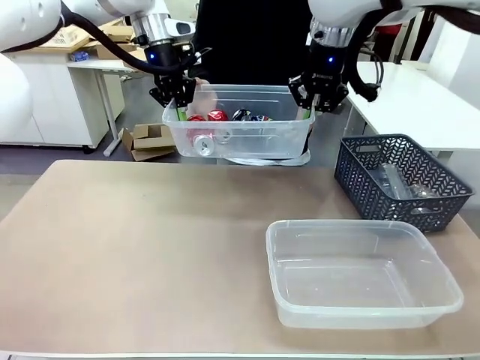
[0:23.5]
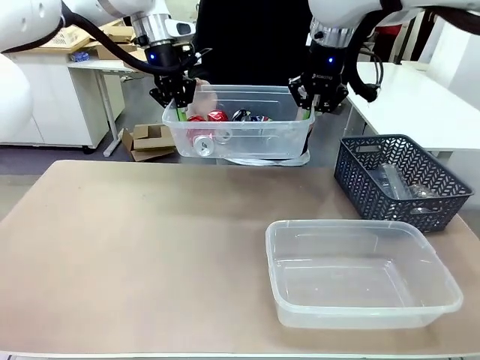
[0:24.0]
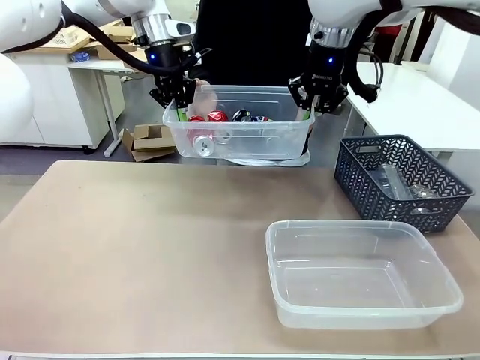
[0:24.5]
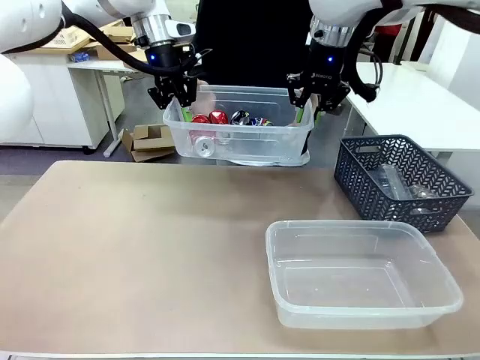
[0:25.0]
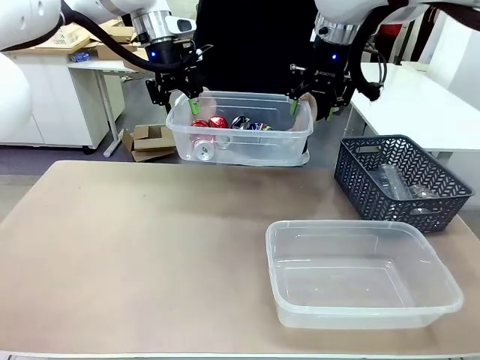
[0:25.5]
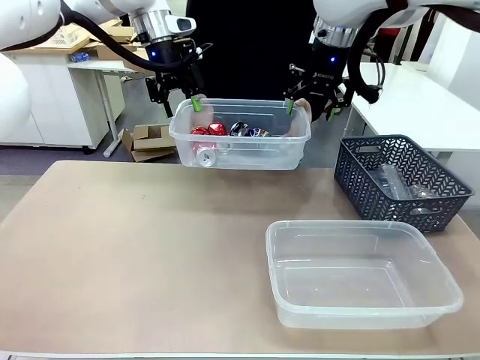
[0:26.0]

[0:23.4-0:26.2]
Robot: Release the Organizing box you were holding.
Person: Pick up the organizing box extended by the robot.

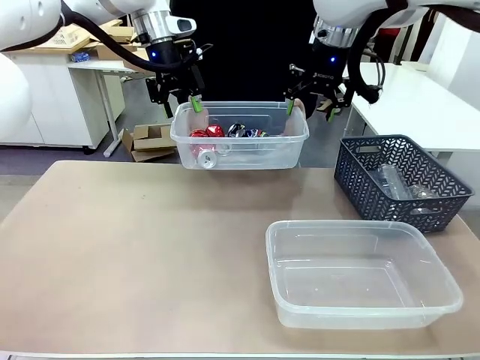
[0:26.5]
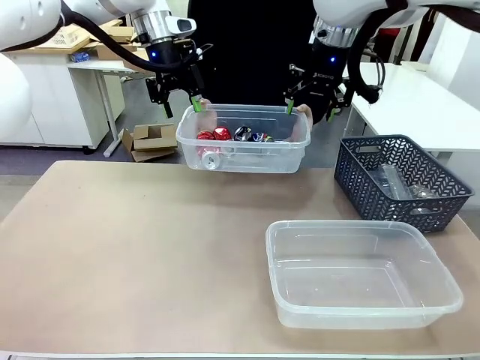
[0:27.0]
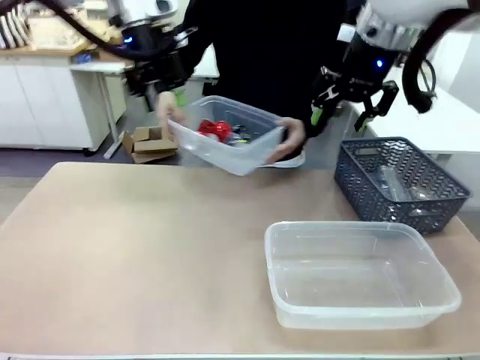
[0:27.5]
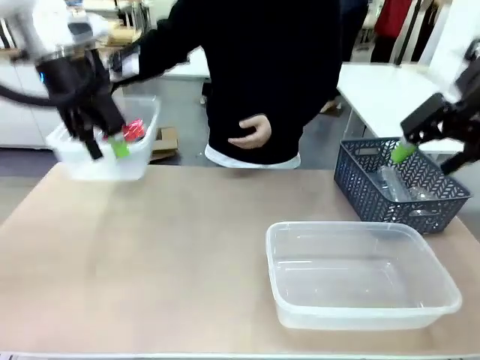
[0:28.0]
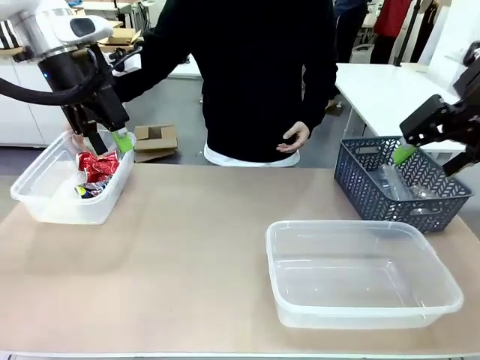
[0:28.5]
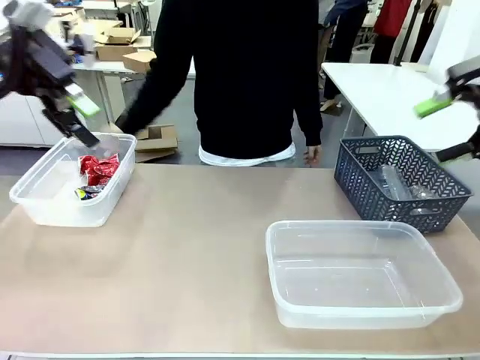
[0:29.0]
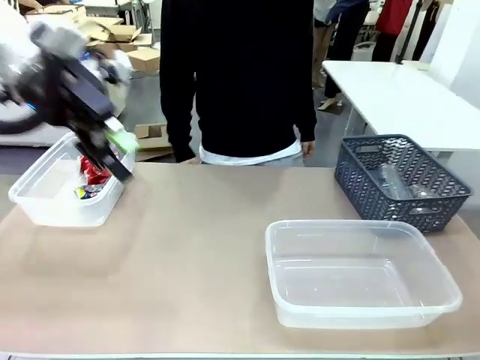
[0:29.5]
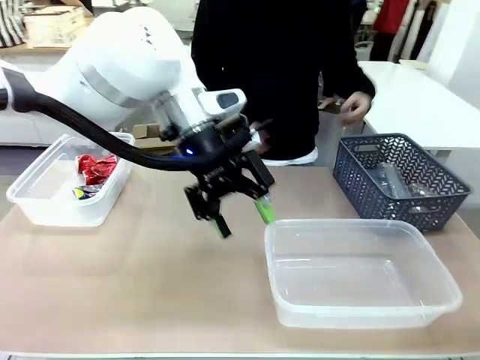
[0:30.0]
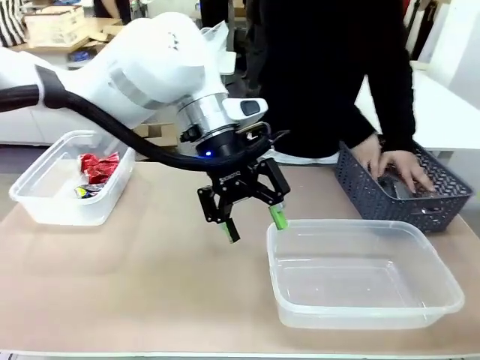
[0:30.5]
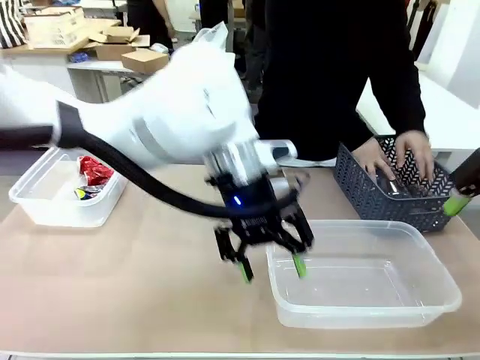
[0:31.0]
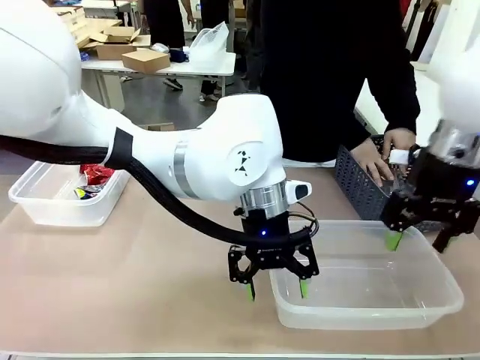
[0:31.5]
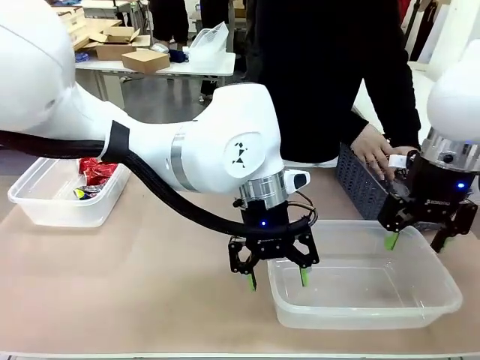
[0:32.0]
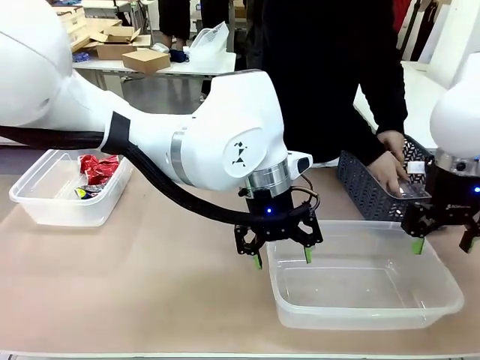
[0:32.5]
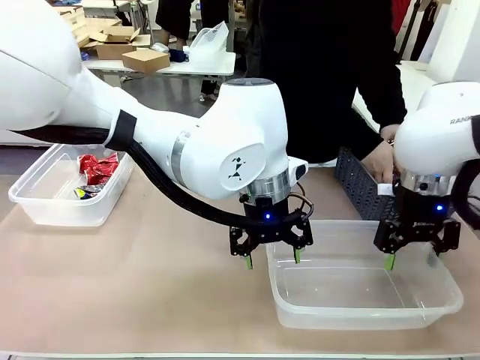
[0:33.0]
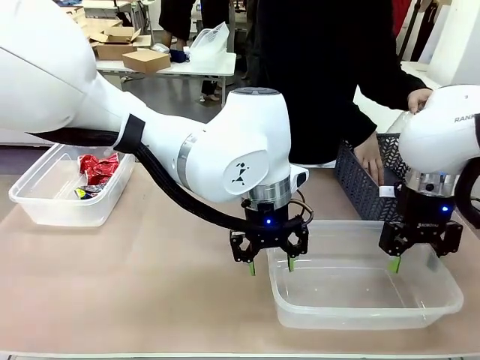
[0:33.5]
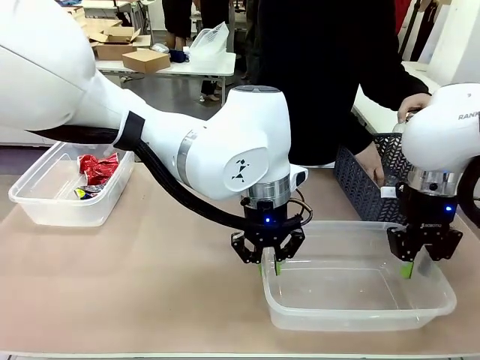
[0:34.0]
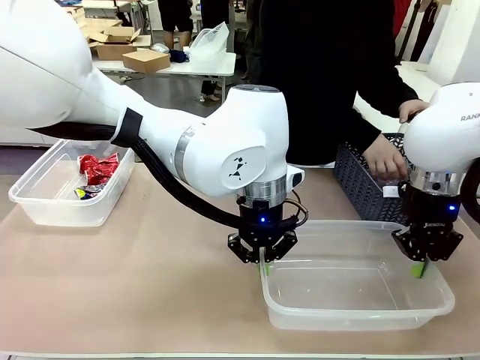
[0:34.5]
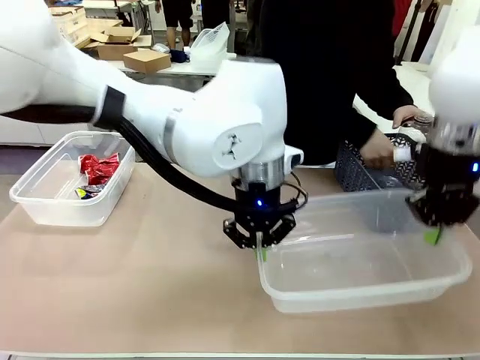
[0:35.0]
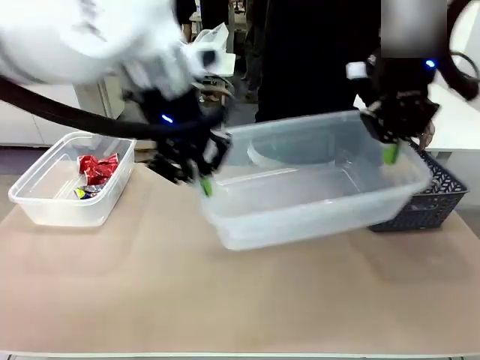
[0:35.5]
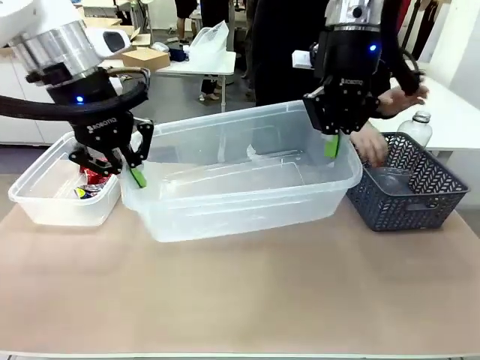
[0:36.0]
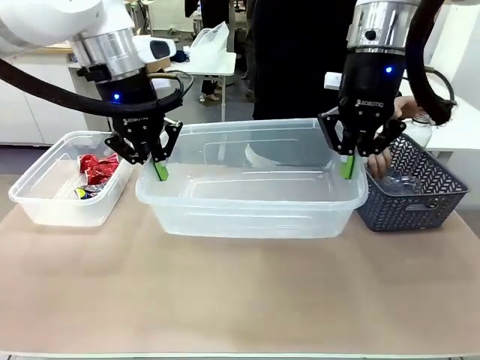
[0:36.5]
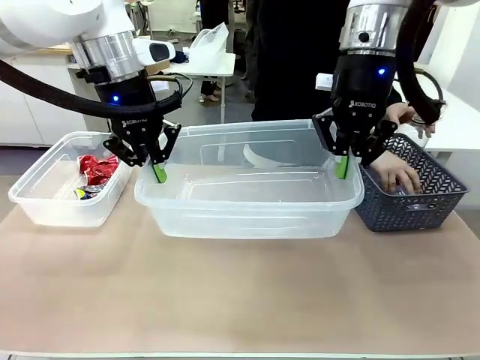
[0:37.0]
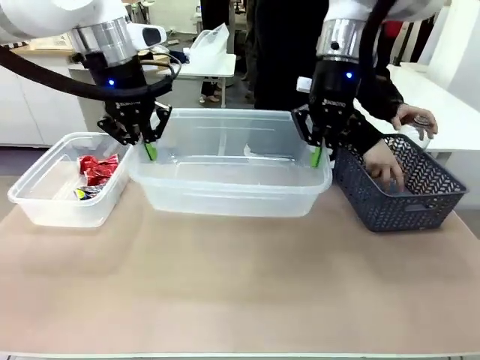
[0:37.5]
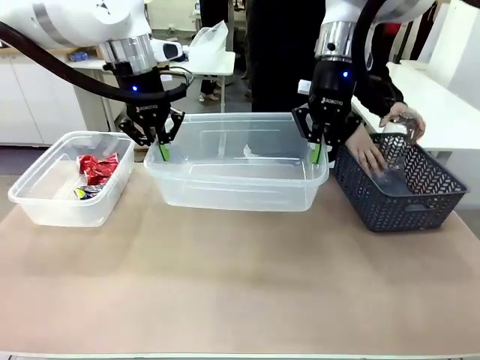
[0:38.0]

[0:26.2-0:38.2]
Robot: Pick up the Organizing box on the right side of the table and lift it.
Person: Place it at the edge of the bottom right area of the robot table. Pick up plastic waste one by one and place it into the organizing box lifted by the robot.

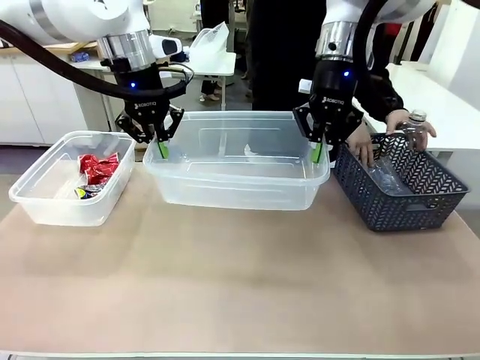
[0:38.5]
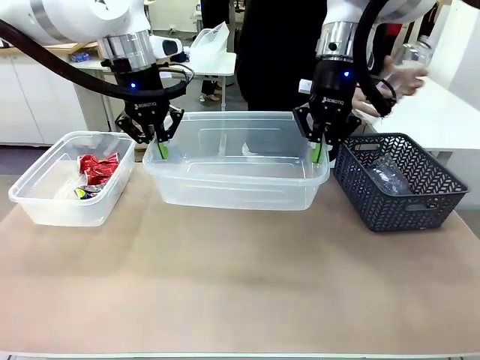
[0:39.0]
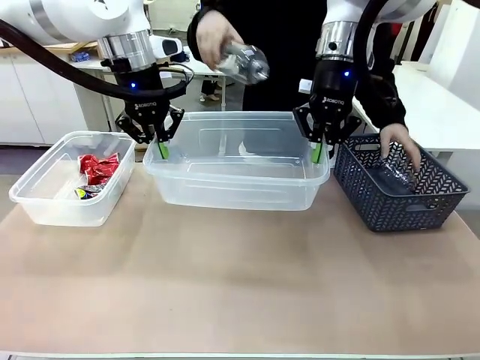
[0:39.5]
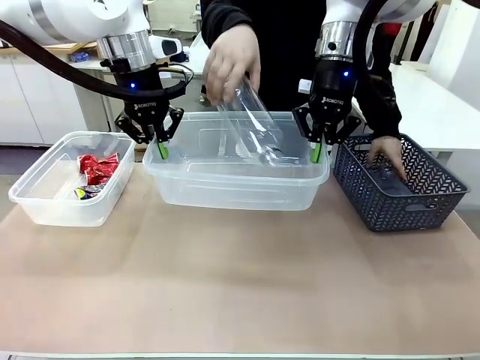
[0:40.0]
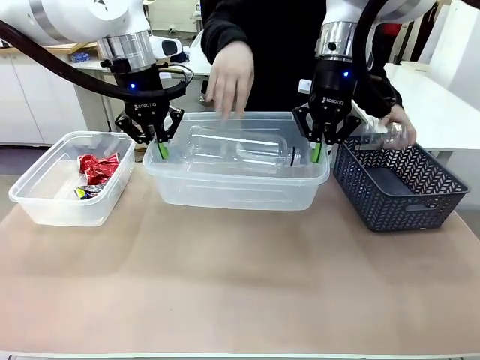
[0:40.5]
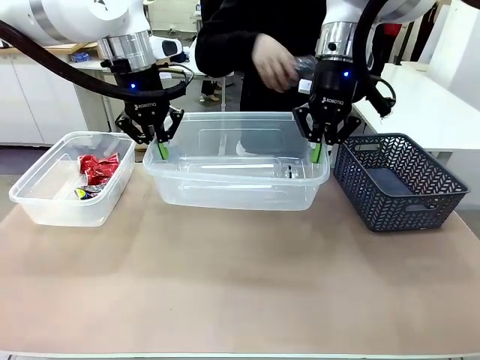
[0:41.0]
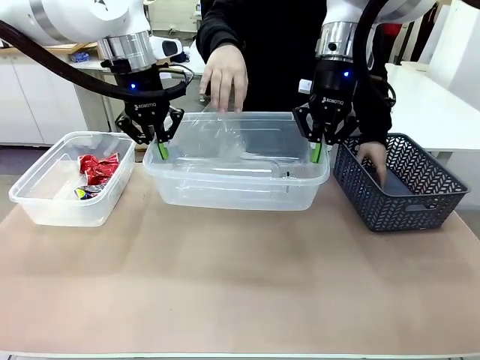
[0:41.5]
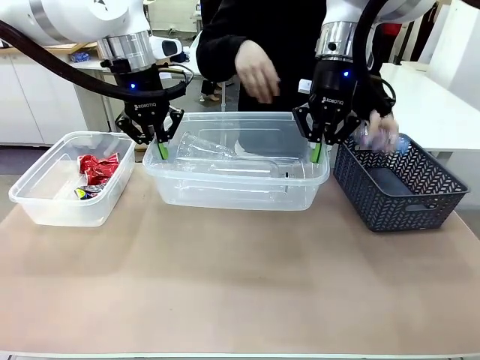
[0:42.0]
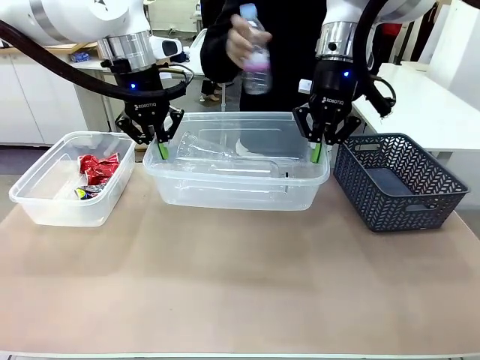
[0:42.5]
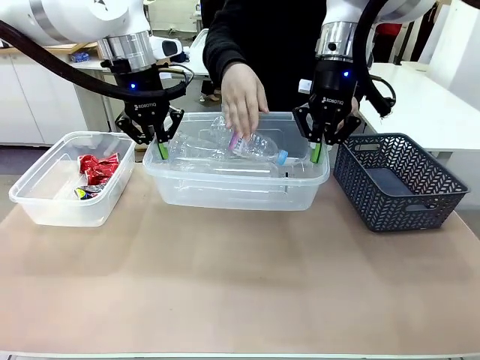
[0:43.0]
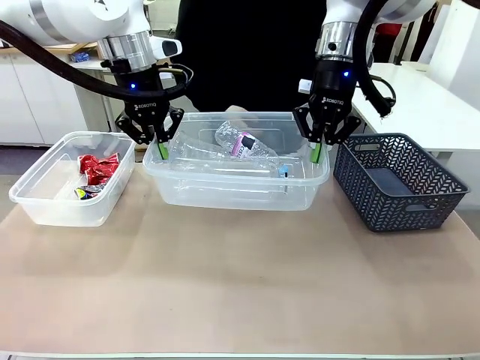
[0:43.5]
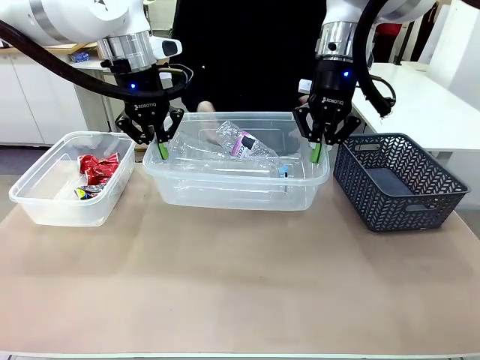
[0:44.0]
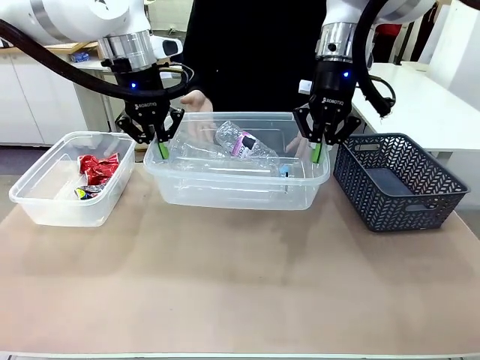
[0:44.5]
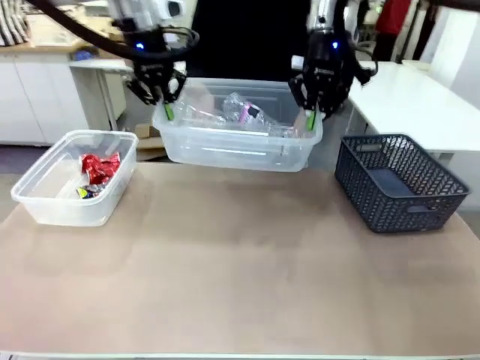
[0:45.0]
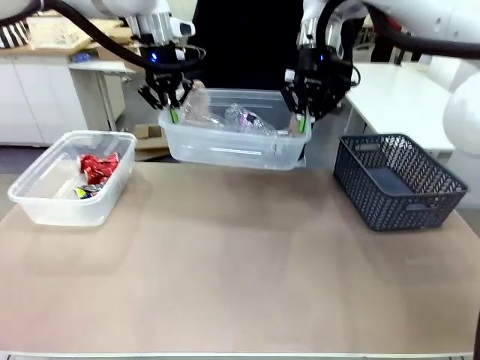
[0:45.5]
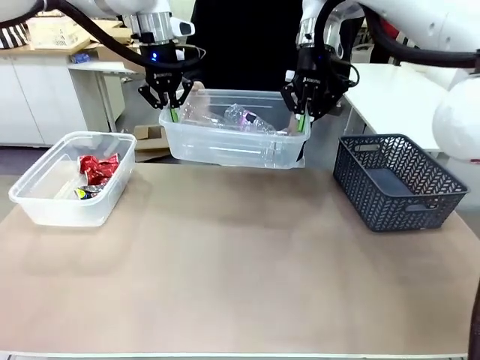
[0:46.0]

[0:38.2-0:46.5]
Robot: Offer the picked Organizing box to the human.

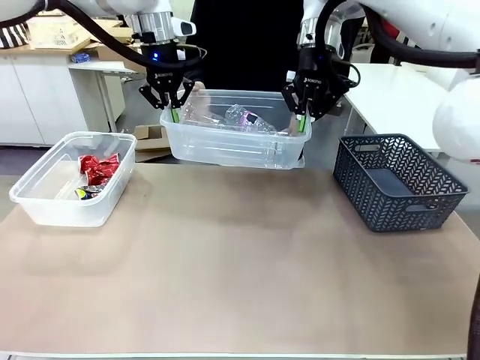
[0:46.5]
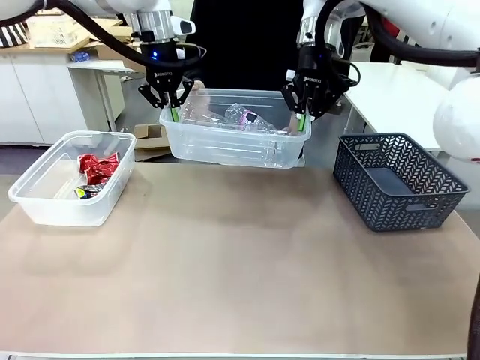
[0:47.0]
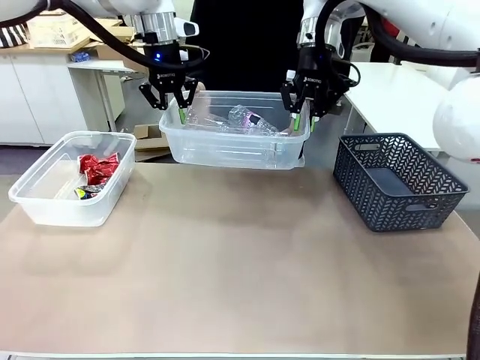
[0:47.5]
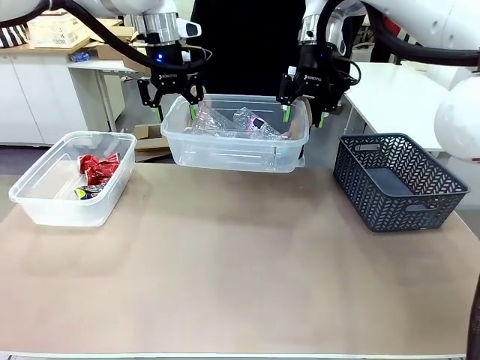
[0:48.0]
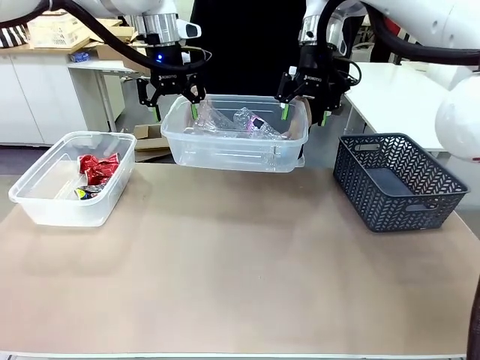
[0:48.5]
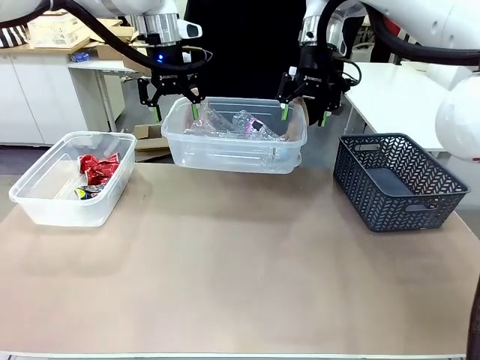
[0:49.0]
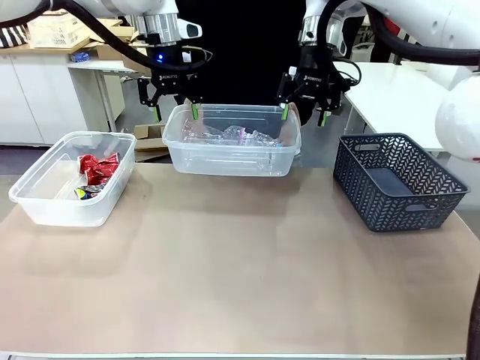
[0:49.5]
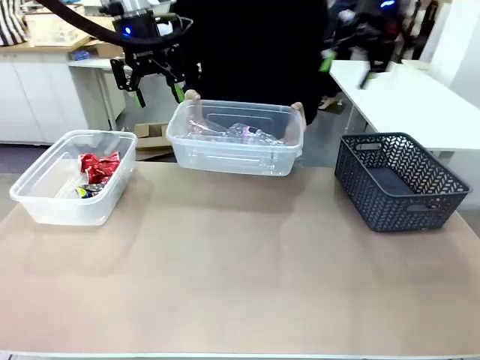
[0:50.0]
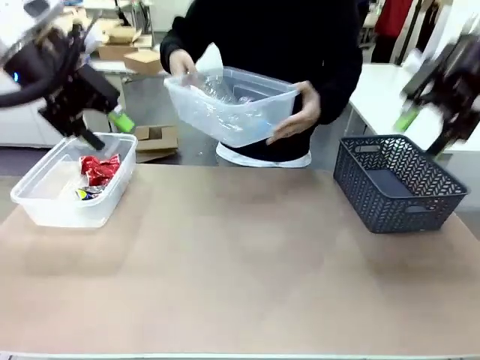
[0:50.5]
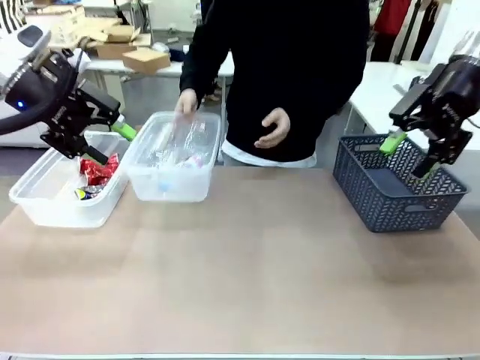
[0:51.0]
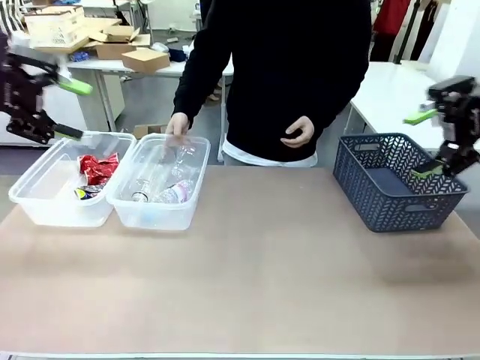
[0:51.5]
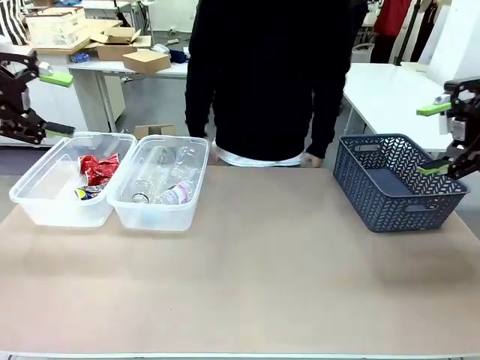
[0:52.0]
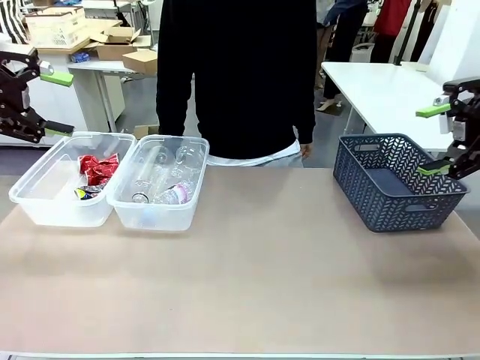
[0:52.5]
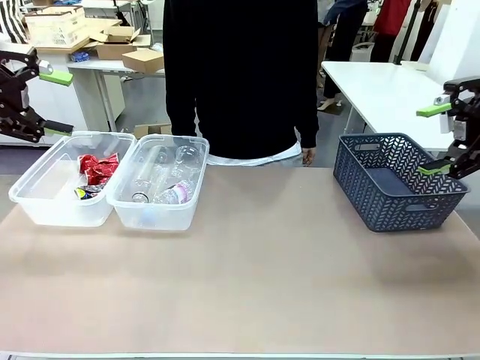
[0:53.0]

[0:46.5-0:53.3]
Robot: Release the Organizing box you were holding.
Person: Pick up the organizing box extended by the robot. Place the organizing box to the left of the sorting box containing the can waste.
